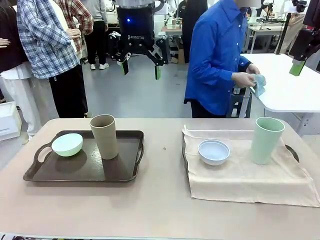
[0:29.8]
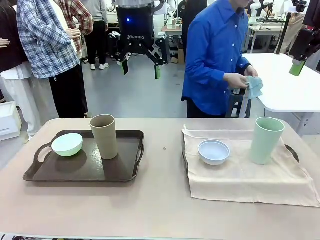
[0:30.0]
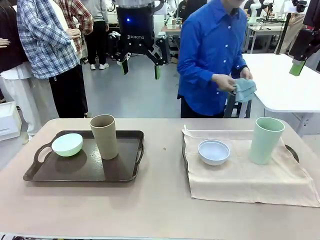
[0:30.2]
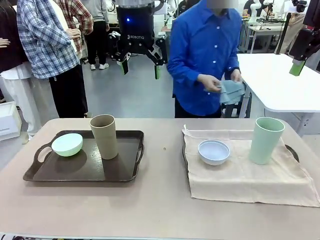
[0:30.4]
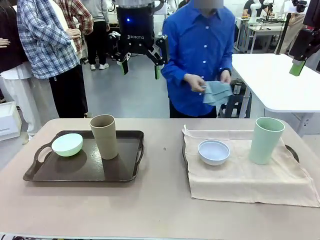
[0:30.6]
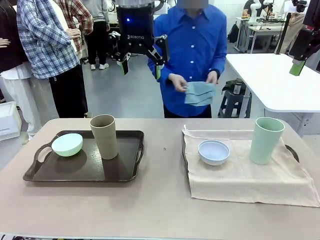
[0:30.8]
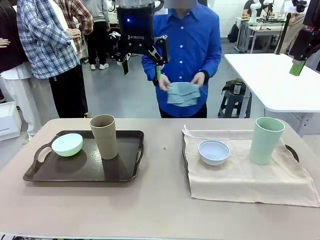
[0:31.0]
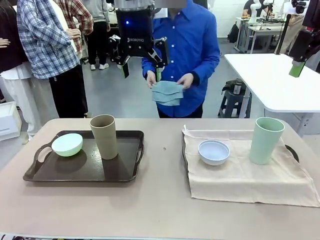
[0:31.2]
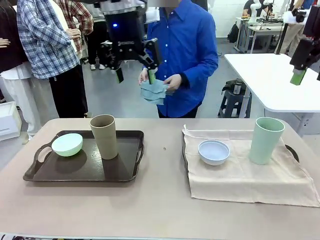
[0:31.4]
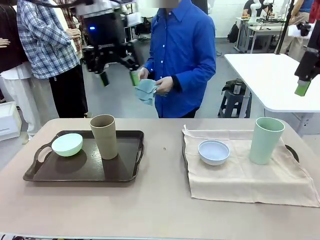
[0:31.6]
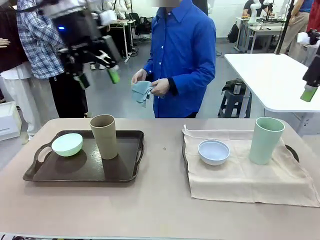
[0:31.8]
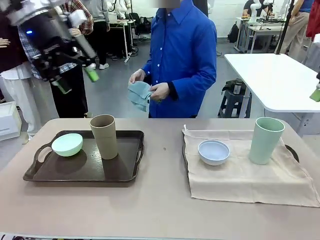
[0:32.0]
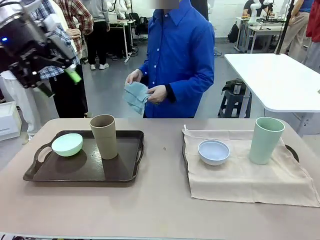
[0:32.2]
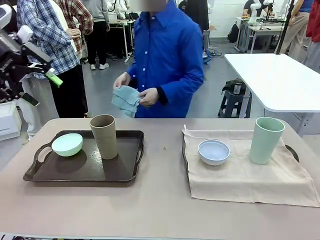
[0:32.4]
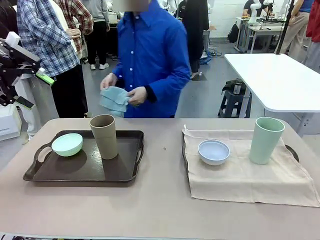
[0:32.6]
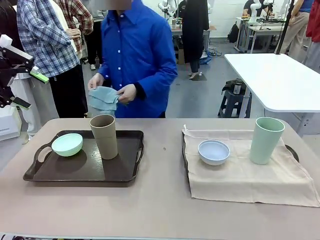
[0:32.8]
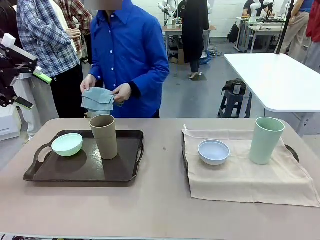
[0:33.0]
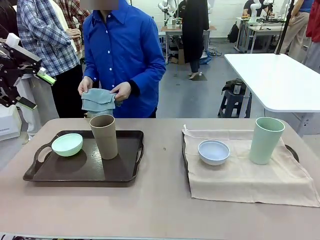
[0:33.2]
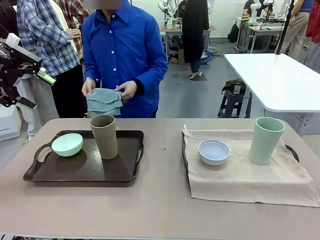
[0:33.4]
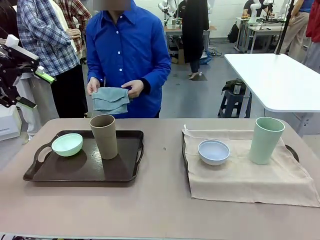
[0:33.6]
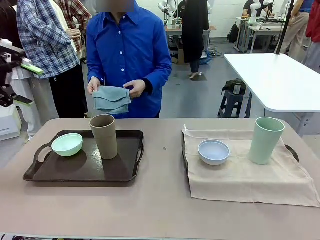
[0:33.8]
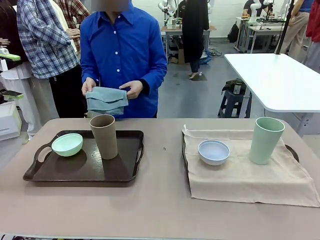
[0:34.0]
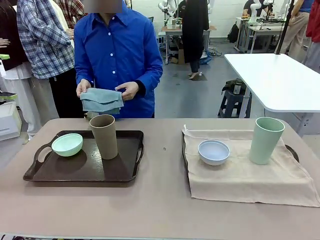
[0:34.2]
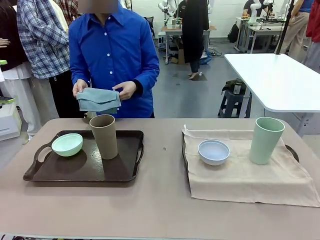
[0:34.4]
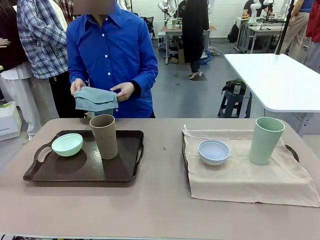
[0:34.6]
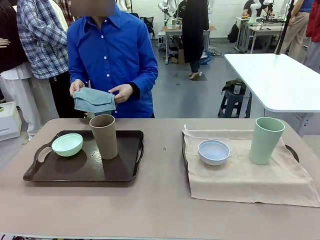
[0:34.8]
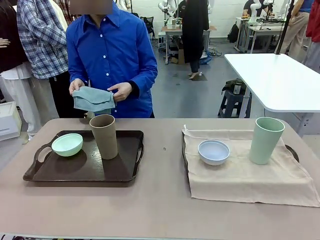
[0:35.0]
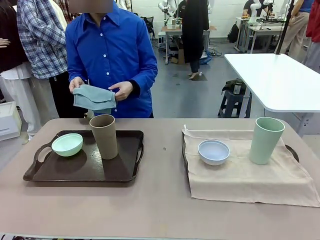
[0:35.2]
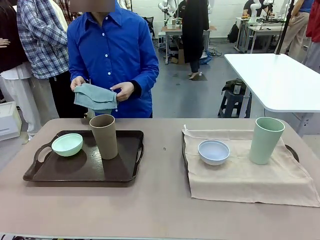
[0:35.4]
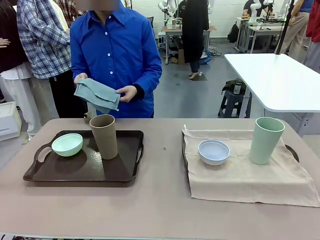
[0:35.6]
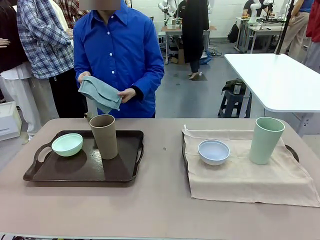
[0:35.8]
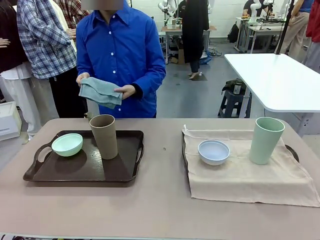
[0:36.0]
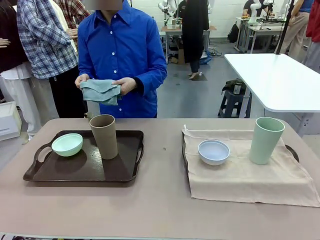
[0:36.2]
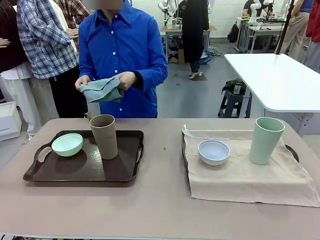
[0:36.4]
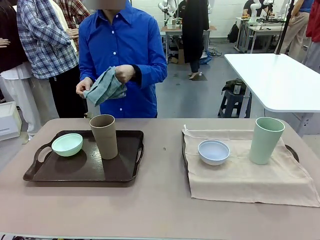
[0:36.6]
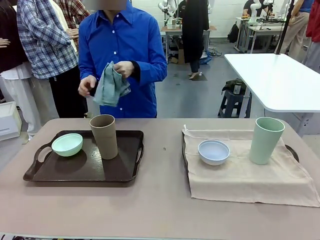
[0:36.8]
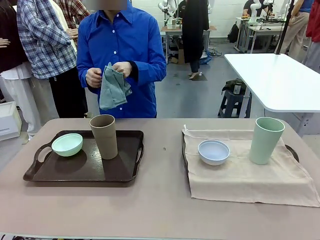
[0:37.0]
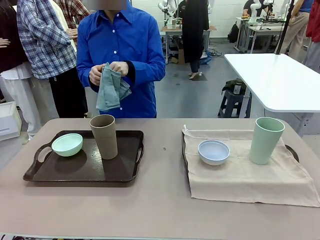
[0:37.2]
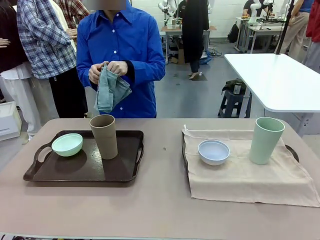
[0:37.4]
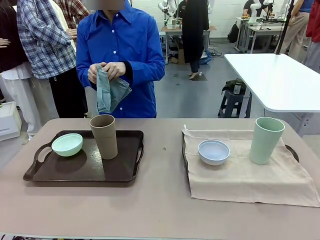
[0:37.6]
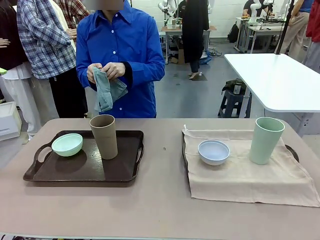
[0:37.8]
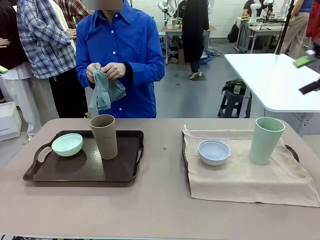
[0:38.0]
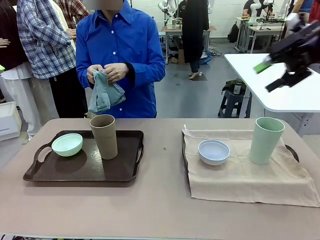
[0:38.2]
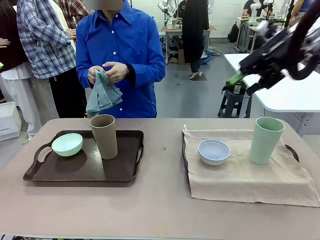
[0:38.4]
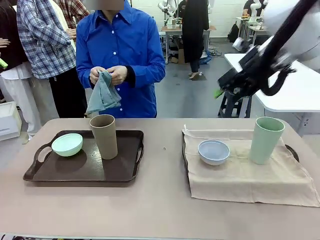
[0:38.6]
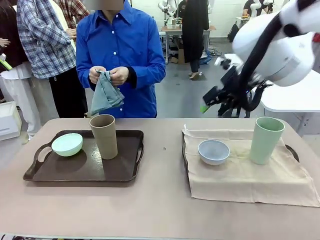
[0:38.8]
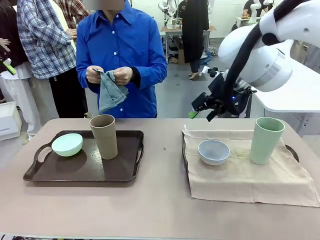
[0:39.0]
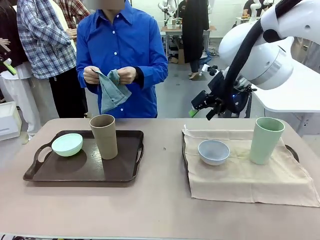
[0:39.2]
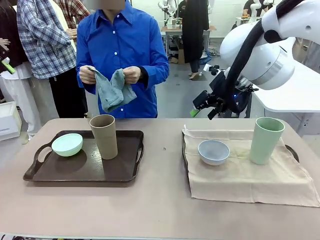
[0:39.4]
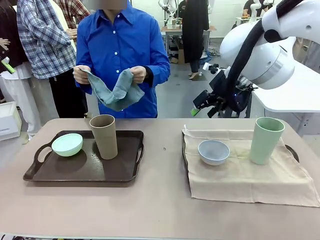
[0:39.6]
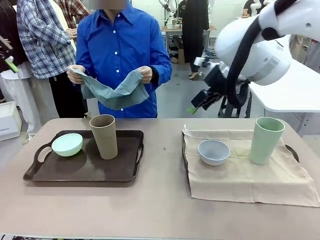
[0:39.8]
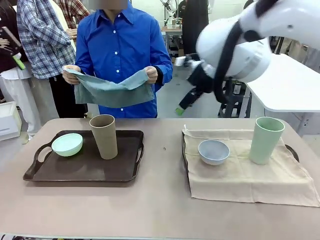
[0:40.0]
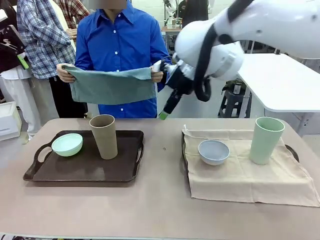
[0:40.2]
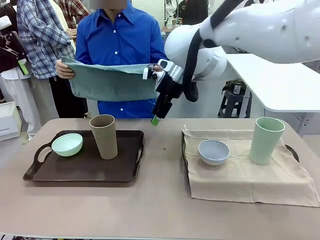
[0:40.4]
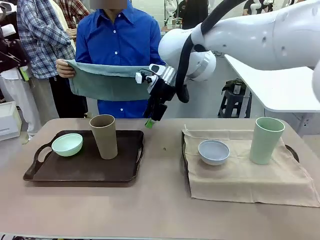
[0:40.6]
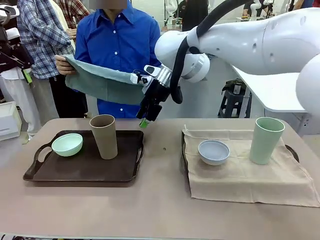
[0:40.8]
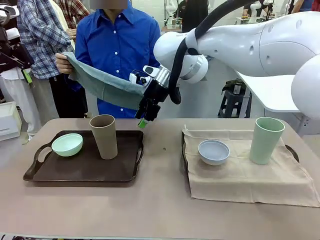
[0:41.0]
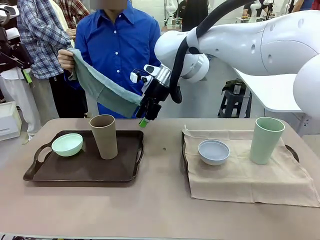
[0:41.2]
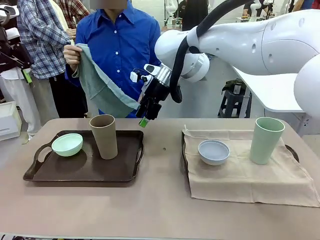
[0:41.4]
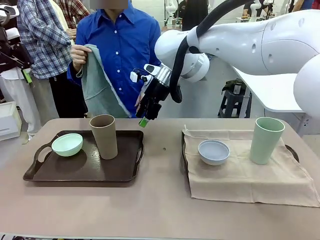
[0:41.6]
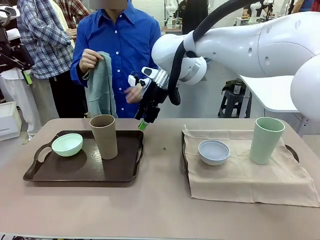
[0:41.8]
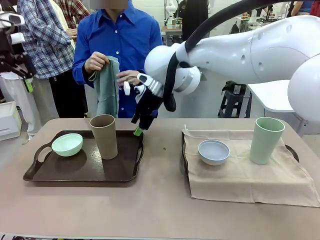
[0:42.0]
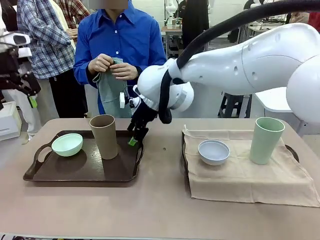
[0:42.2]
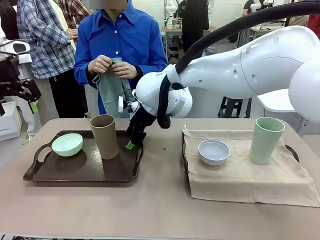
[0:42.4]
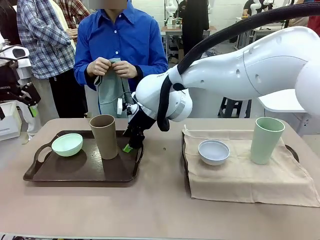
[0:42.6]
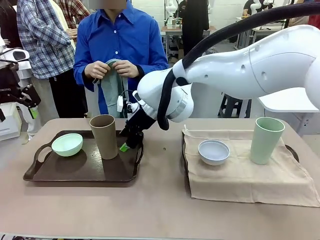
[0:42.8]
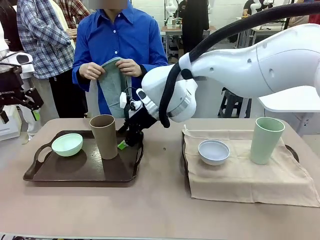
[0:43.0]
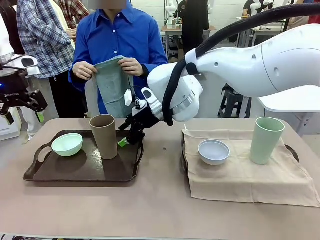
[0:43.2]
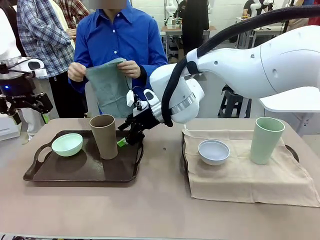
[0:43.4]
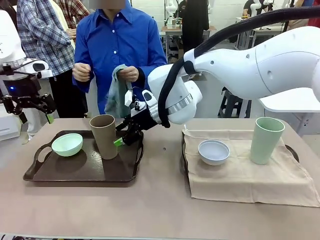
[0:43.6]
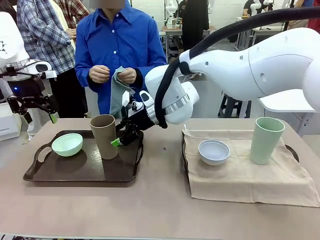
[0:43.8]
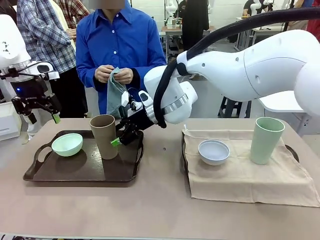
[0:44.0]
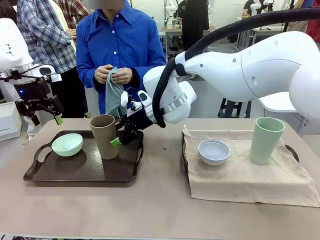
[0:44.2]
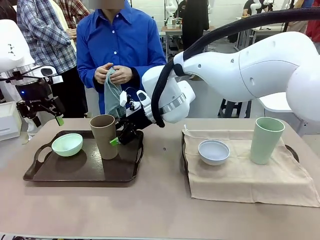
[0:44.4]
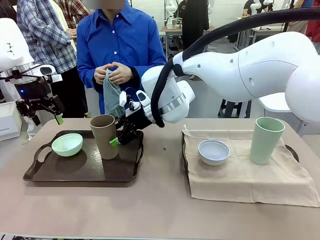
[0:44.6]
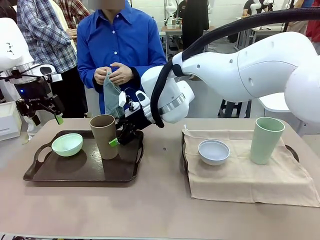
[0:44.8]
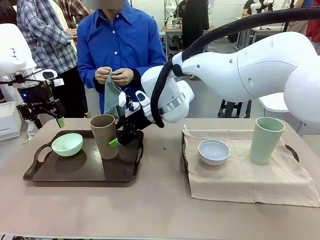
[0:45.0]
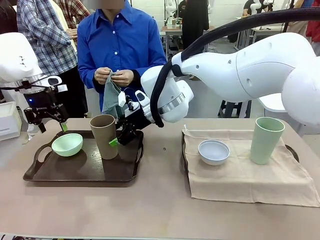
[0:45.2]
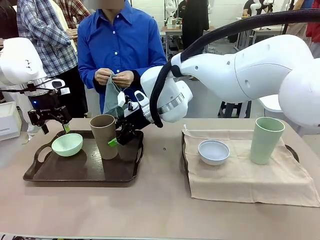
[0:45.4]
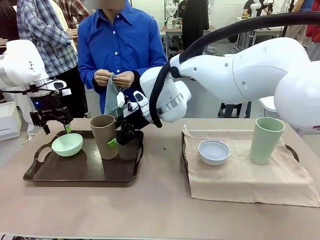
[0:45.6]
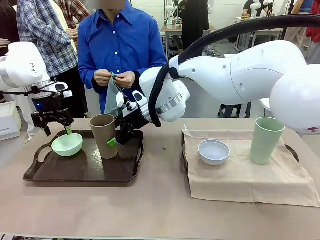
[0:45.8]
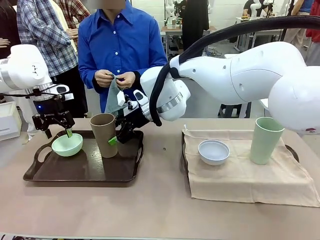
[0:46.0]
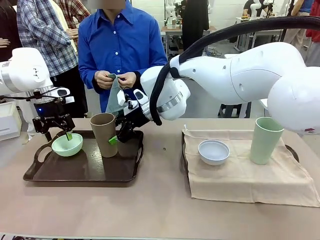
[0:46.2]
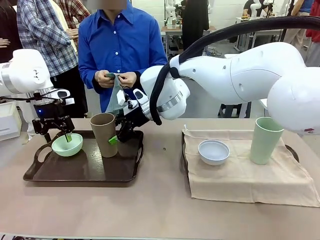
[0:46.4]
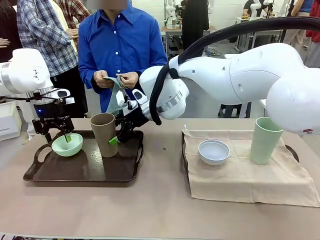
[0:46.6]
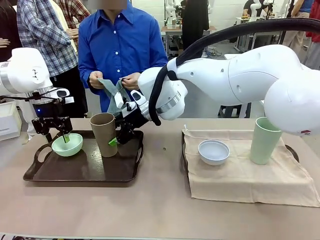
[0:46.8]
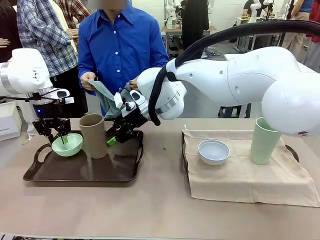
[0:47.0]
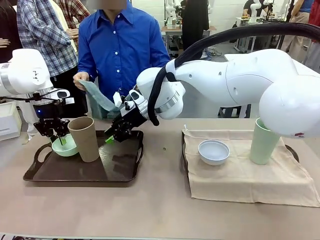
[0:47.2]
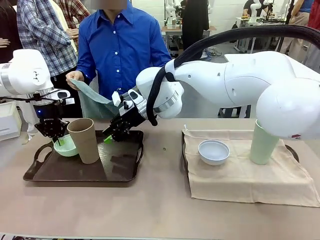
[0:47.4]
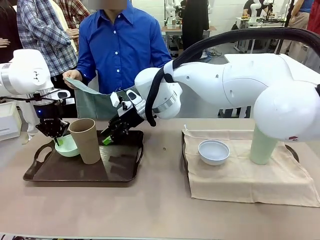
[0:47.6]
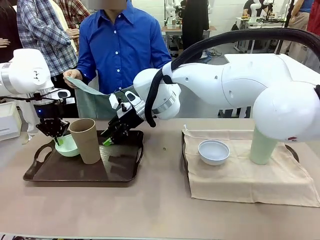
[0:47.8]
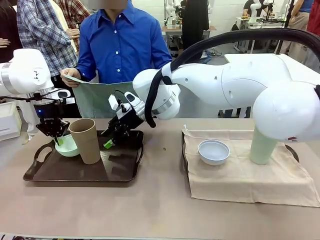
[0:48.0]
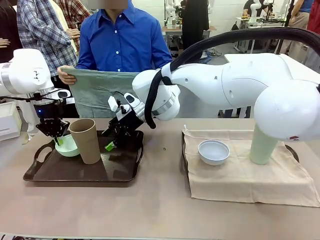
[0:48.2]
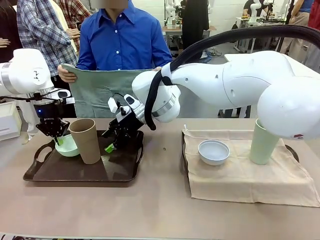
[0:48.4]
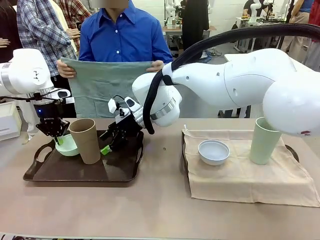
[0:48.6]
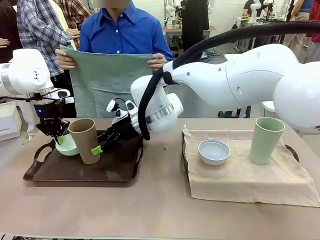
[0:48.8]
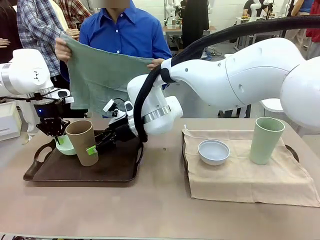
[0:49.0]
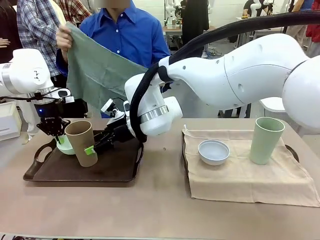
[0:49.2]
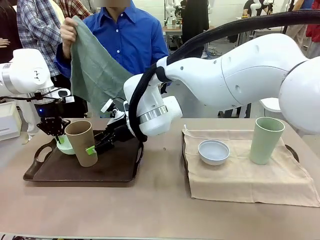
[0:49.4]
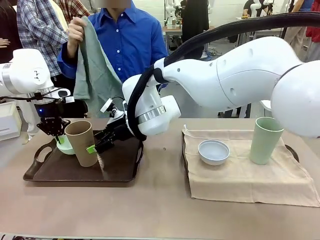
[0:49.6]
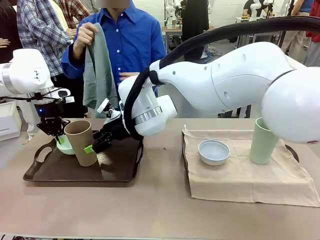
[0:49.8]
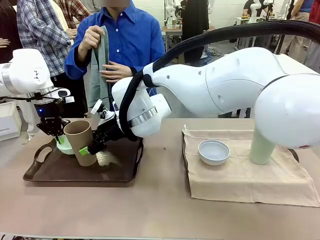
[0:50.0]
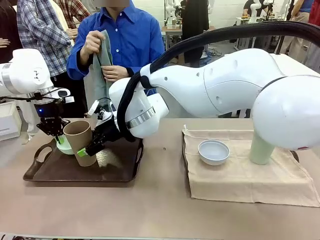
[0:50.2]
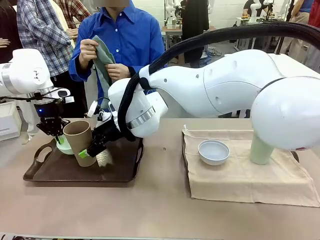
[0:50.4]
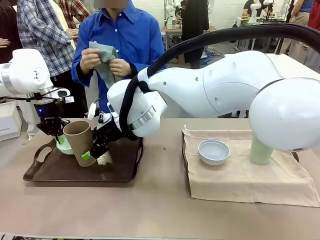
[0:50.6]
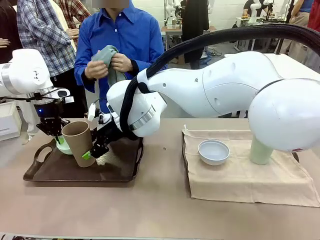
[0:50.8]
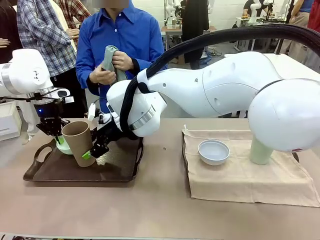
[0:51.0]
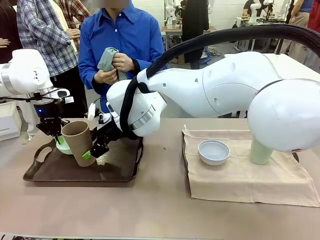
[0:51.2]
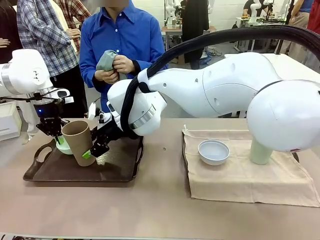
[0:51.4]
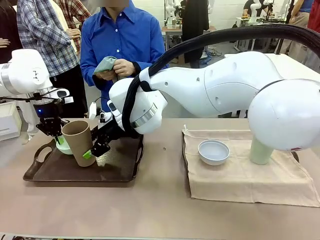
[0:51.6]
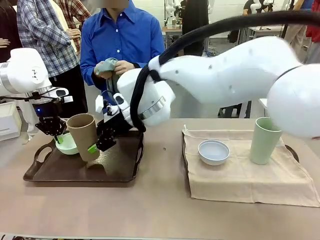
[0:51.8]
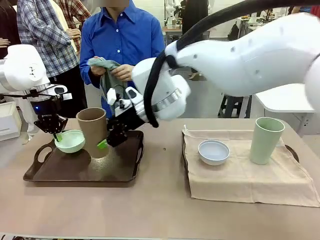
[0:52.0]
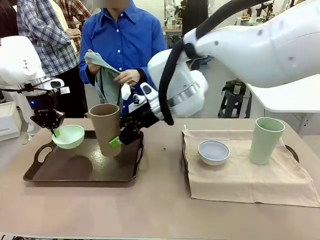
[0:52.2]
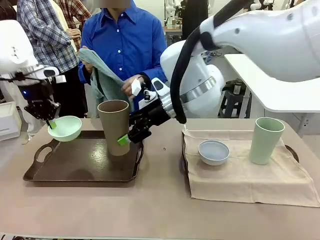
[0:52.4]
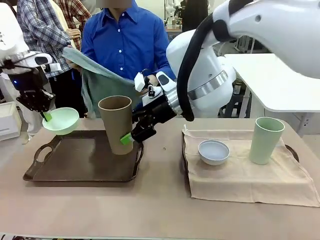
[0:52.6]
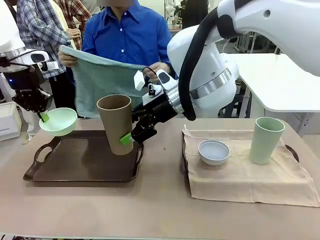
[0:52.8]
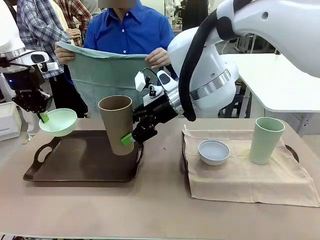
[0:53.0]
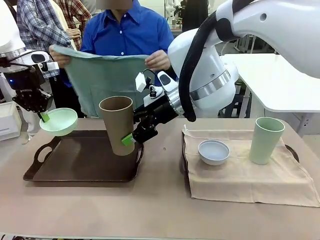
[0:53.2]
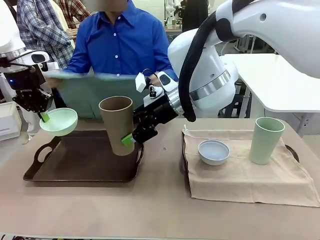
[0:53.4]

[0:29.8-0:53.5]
Robot: Pick up the Picnic Bowl and Reusable plastic cup from the Handle tray in front of the human's position and hold them in the air.
Person: When the robot lifts the bowl and the cup, the human unfolds the napkin and lays the napkin flat on the tray.
